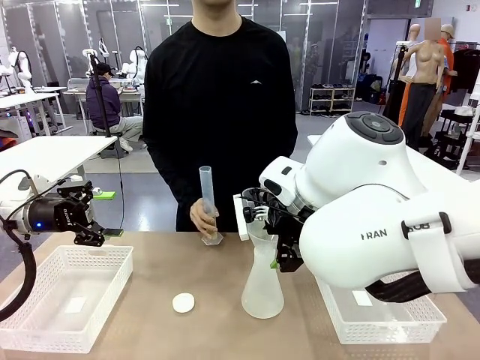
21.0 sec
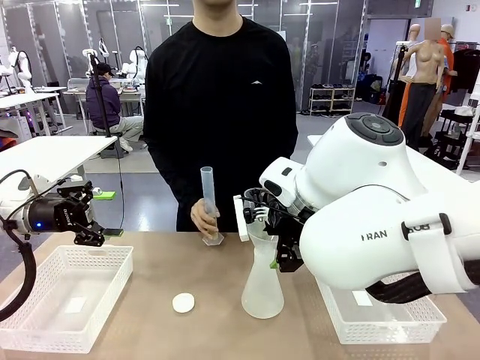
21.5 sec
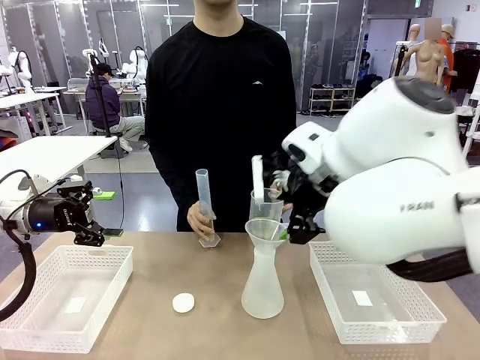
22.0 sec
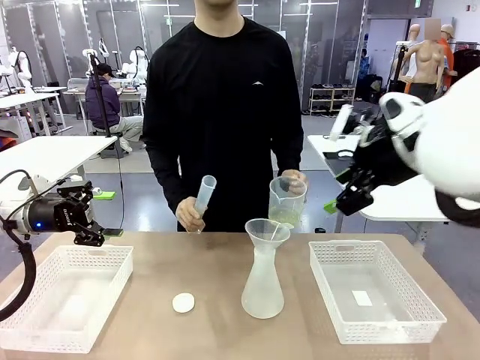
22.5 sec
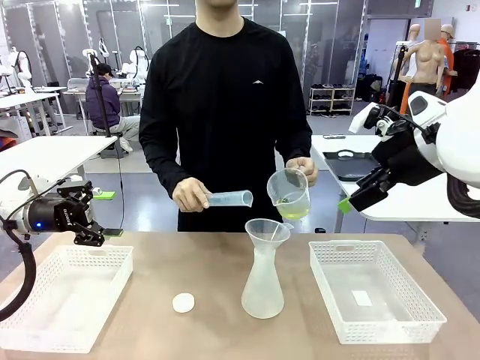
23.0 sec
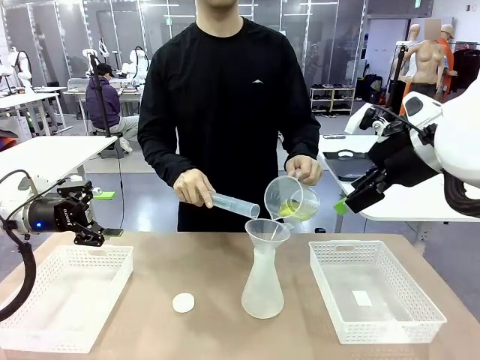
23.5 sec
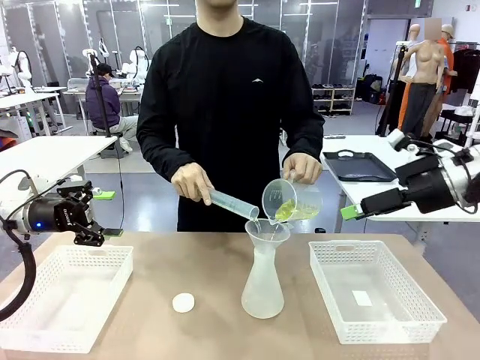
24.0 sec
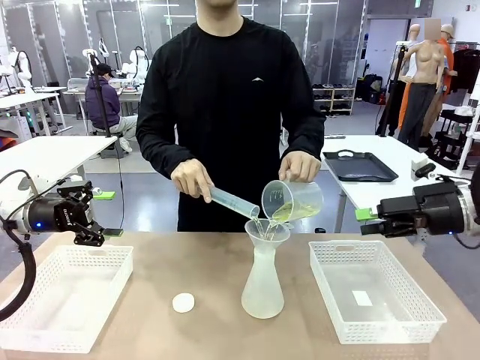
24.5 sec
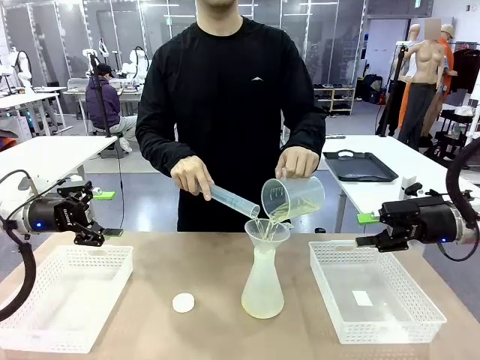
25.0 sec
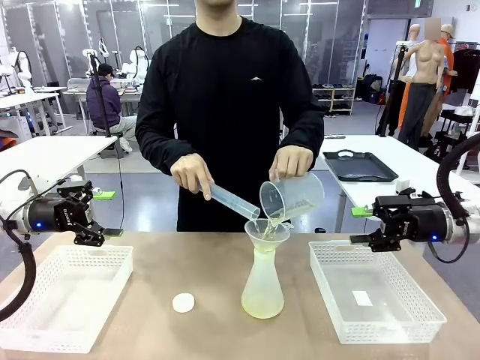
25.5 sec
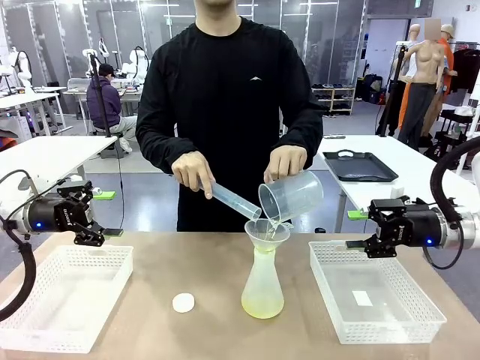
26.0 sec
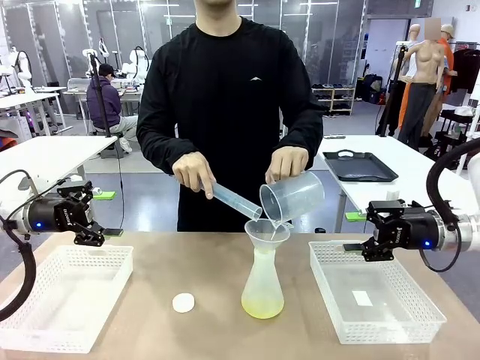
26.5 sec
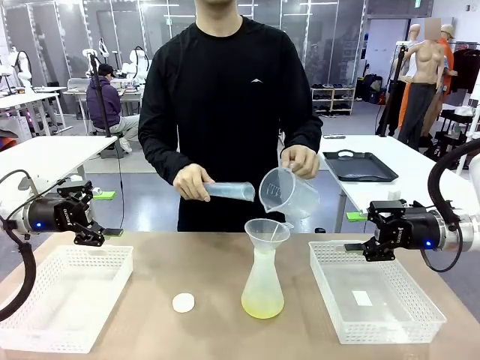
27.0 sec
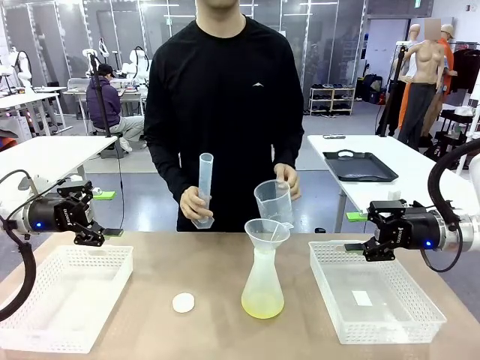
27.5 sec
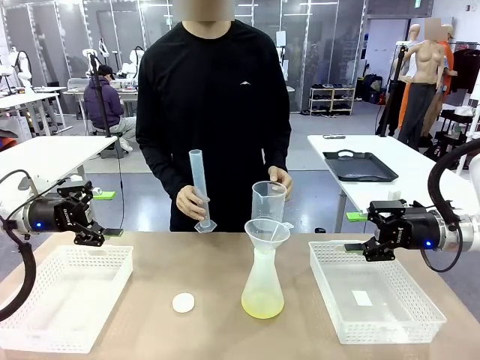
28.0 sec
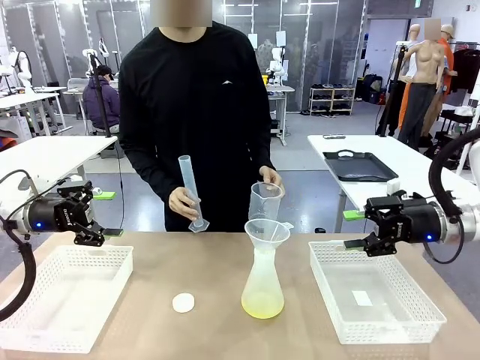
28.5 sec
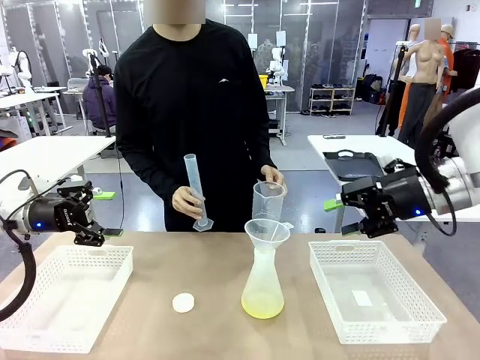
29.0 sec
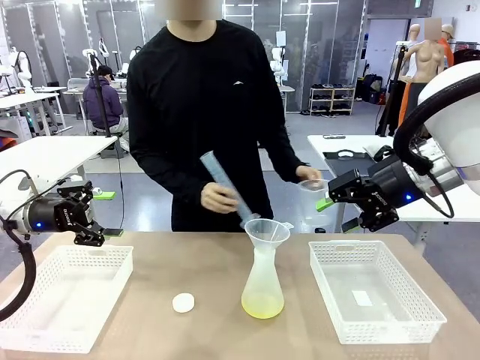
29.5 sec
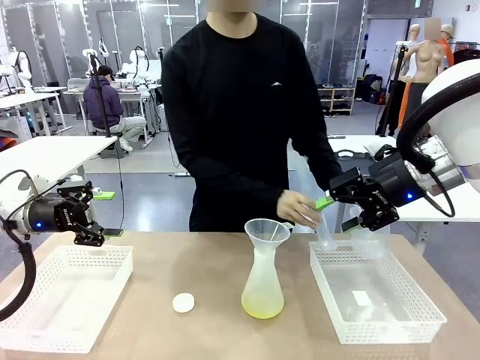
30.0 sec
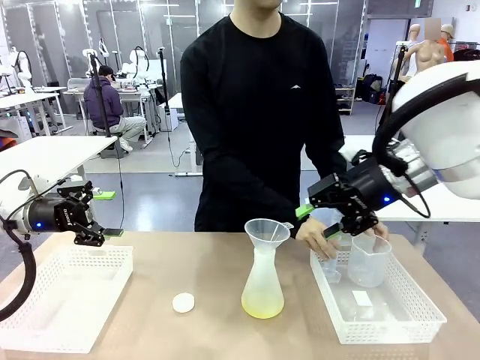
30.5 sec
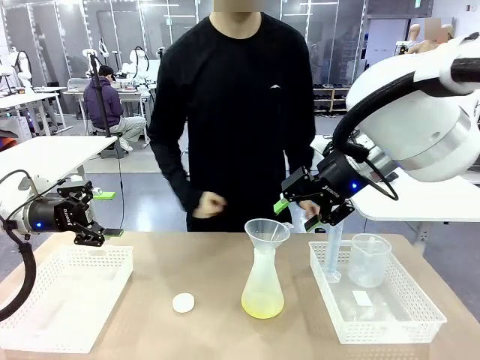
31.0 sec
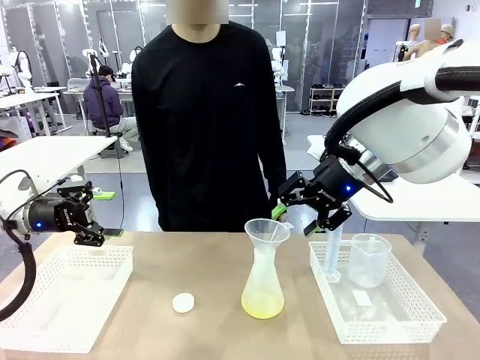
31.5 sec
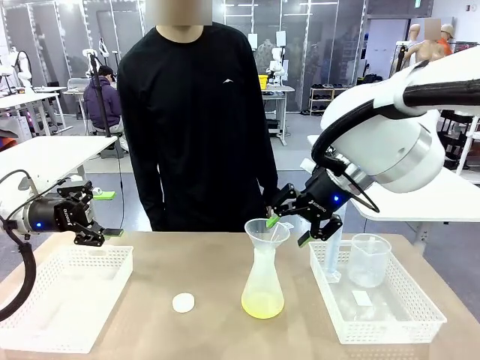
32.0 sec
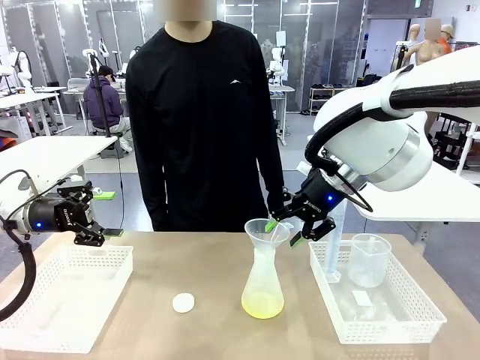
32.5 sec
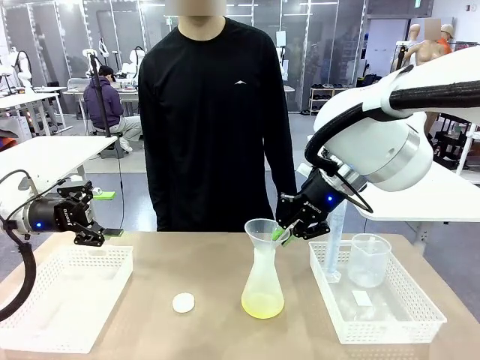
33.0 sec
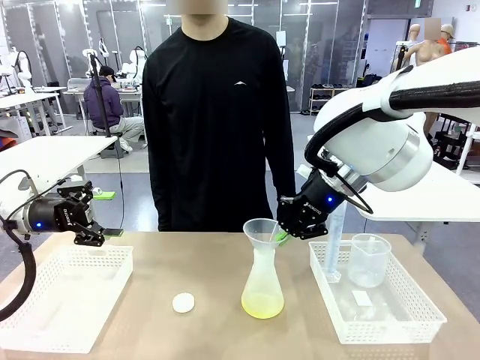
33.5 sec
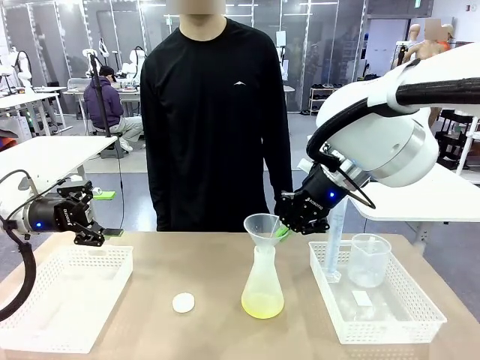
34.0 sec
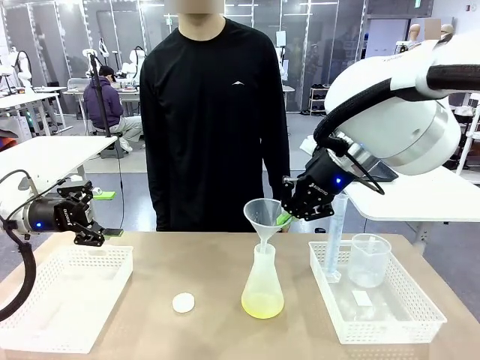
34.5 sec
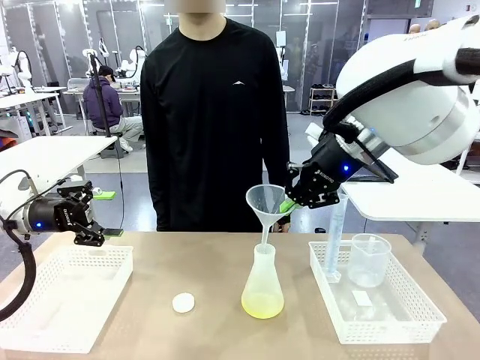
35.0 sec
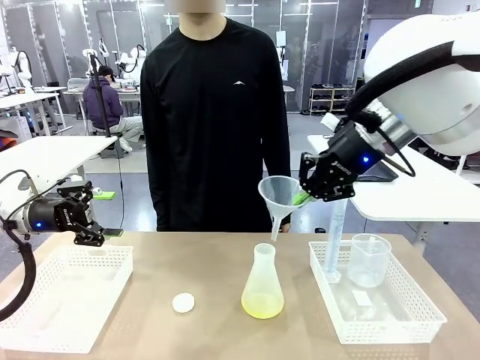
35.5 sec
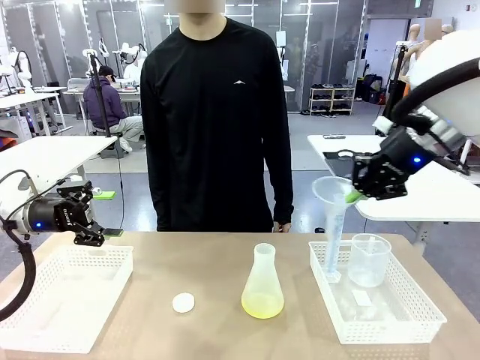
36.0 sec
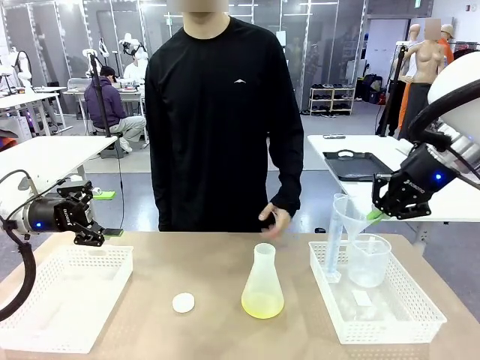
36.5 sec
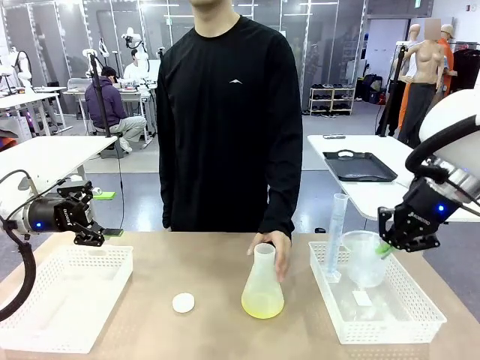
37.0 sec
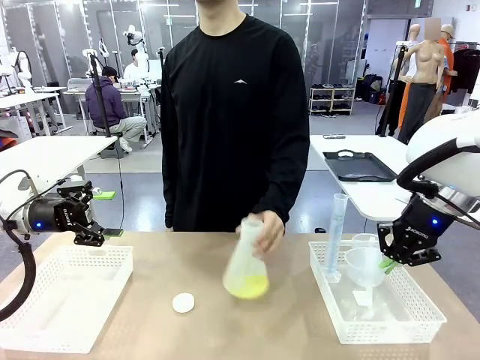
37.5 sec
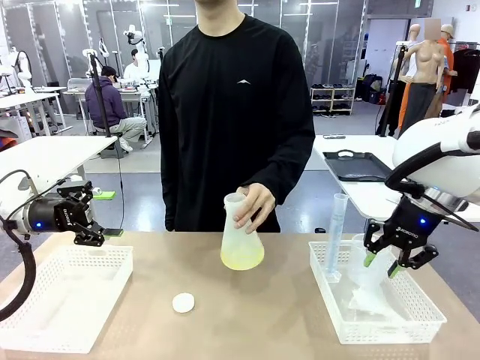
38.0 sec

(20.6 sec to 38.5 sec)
Task: Prepare the solutions needed for the experiment.
Robot: Once the solution is in the Big flask , pick up the Plastic Funnel and place it back into the right Organizing basket.
Person: Place the beaker and the cylinder into the organizing basket on the left side. Pick up the flask, gently shake it 2–3 times, place it in the middle of the robot table, and close the lid.

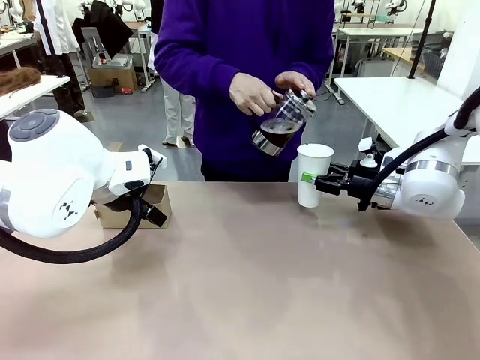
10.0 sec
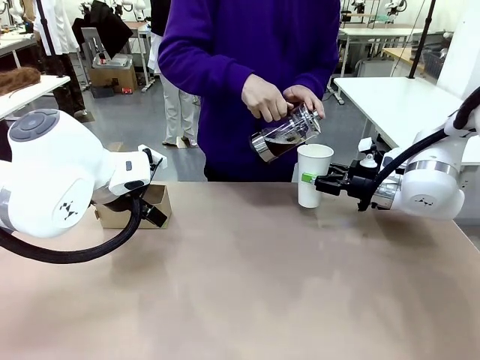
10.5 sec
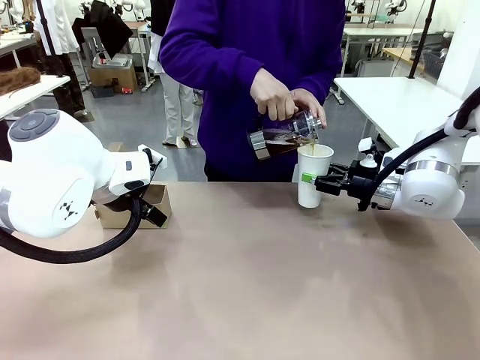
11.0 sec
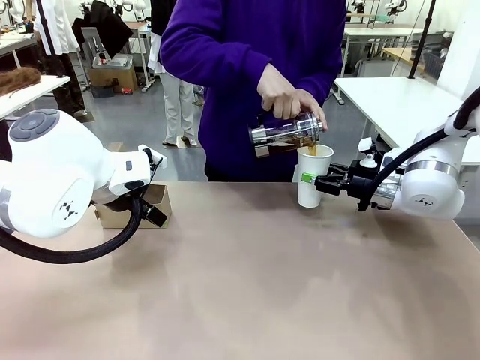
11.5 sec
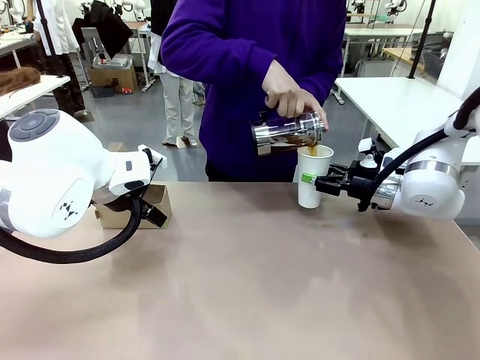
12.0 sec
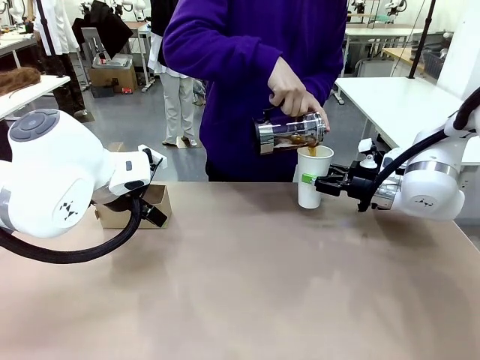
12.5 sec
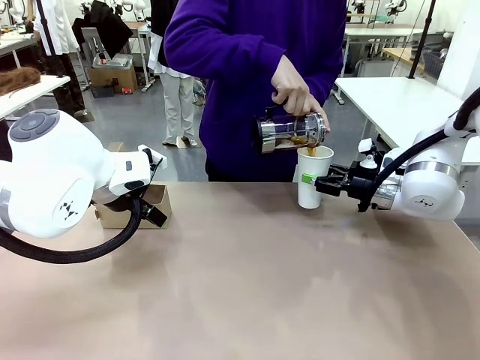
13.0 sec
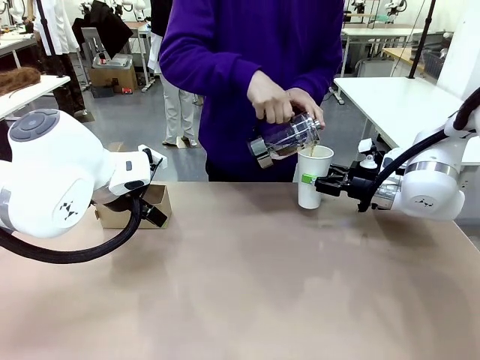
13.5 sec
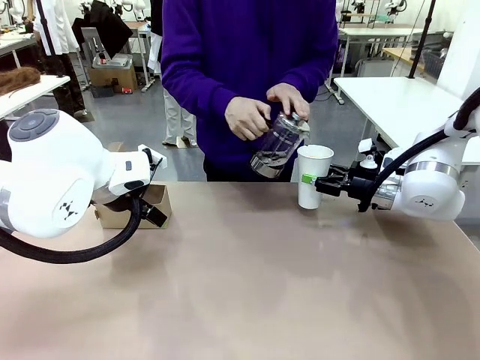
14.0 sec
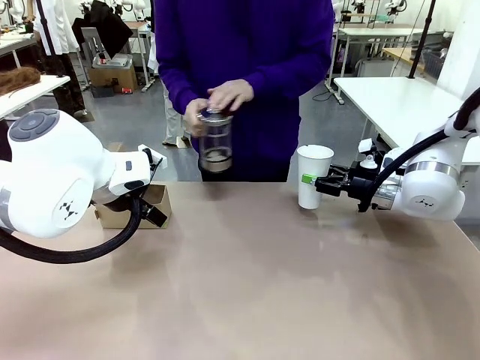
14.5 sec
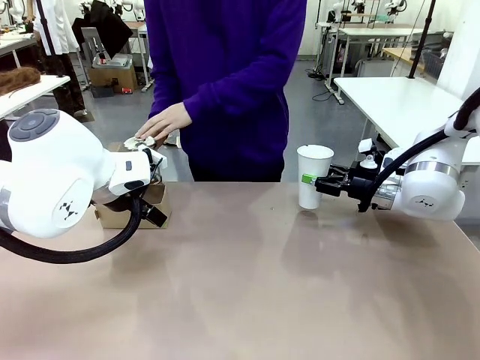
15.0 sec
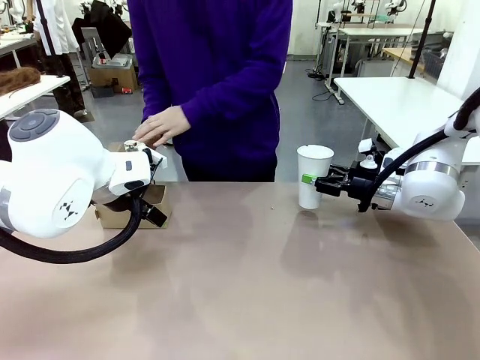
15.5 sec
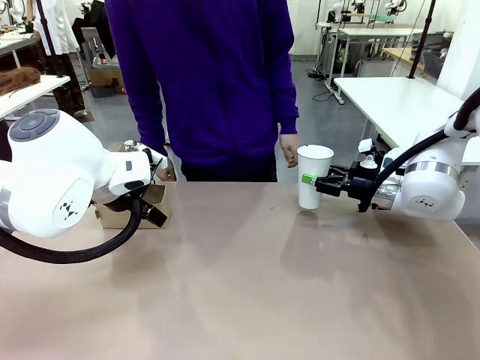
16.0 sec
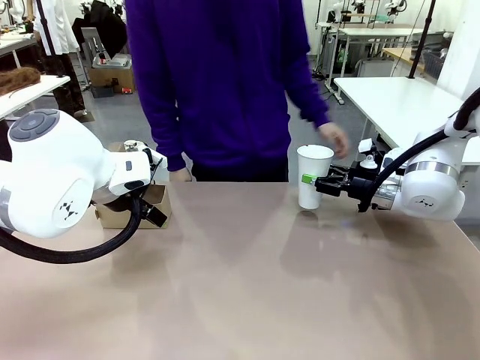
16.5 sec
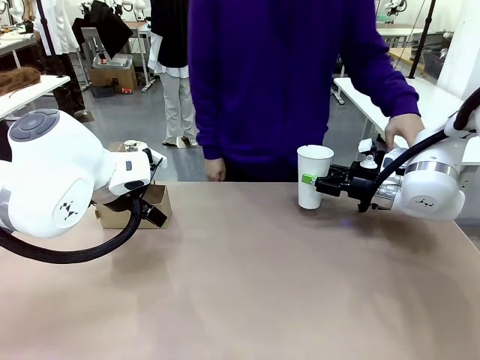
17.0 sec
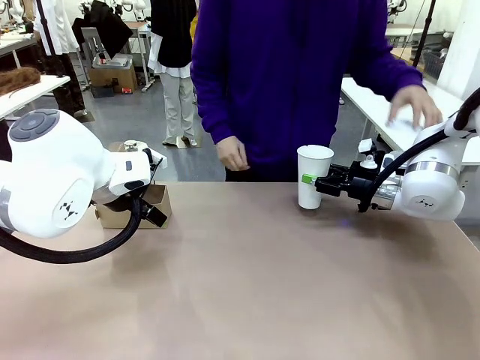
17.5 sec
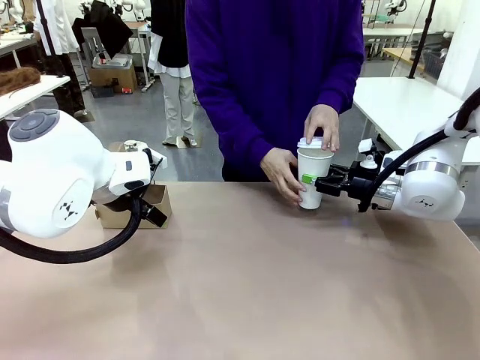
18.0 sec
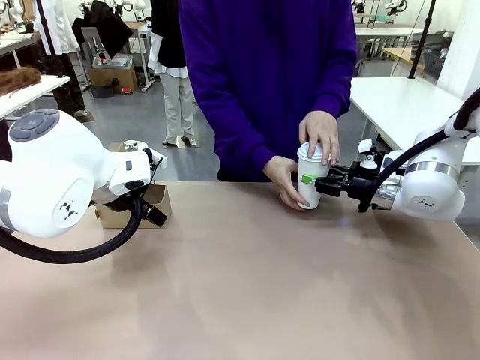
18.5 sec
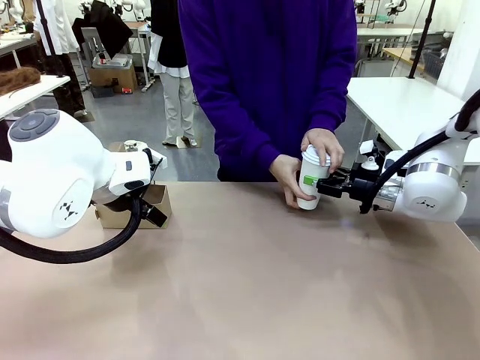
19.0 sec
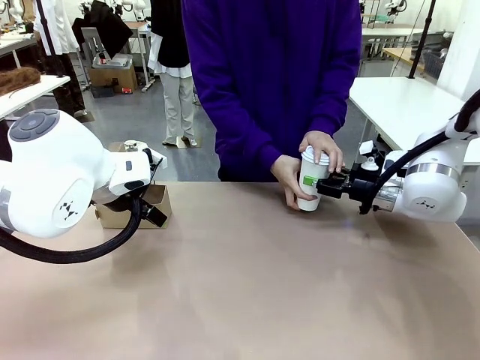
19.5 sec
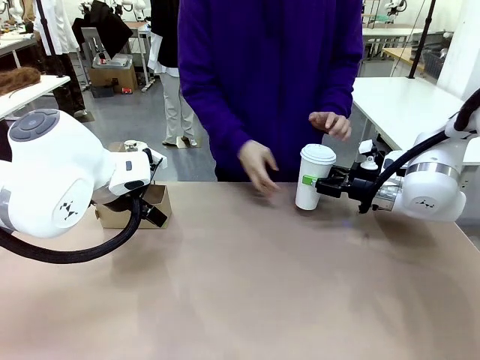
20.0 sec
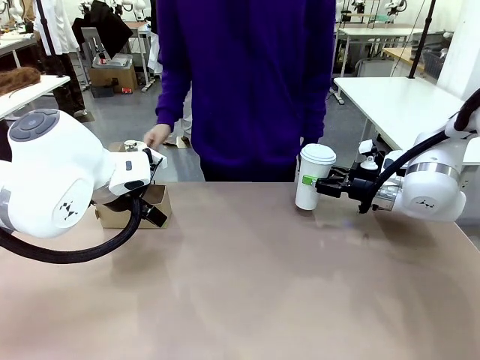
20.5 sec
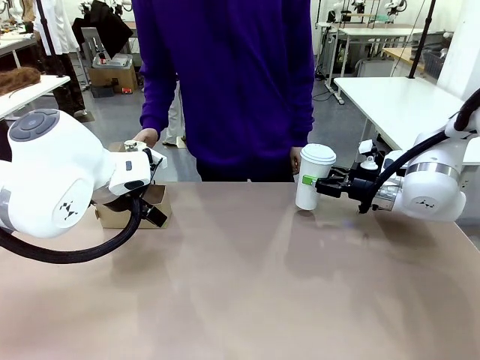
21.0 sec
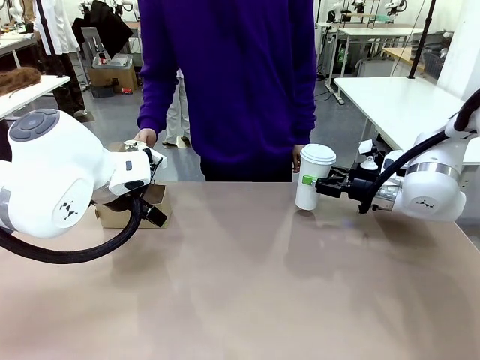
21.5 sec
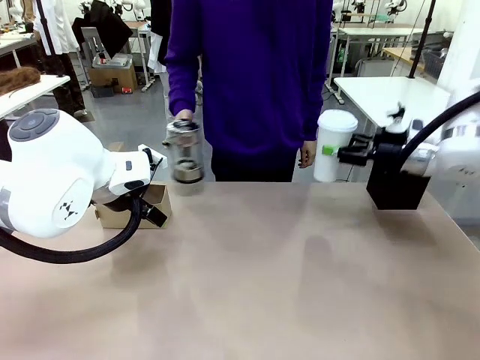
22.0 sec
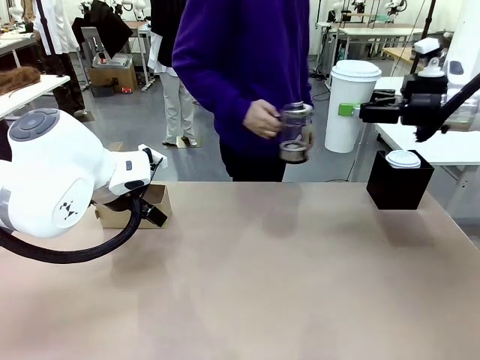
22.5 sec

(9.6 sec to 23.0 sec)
Task: Pour a drink into a cup and package it in a carrier.
Robot: When a person places the Paper Cup Lid on the 600 ml Paper Cup , lift the 600 ml Paper Cup.
Person: Pour the drink from the Filter Brewing into the 600 ml Paper Cup. Place a Paper Cup Lid on the 600 ml Paper Cup.
